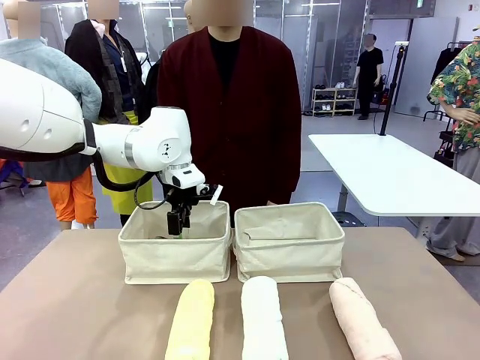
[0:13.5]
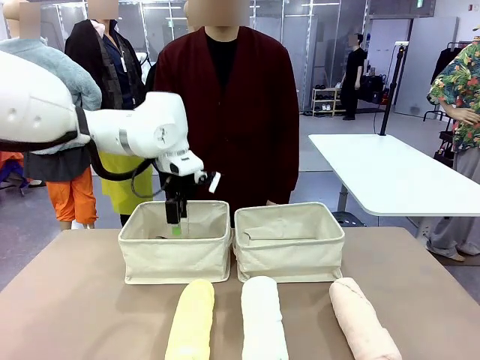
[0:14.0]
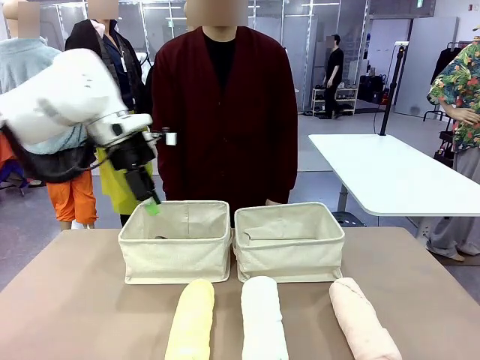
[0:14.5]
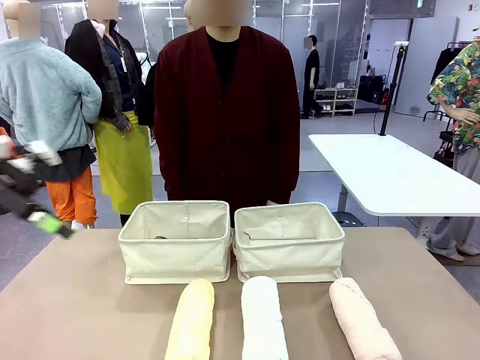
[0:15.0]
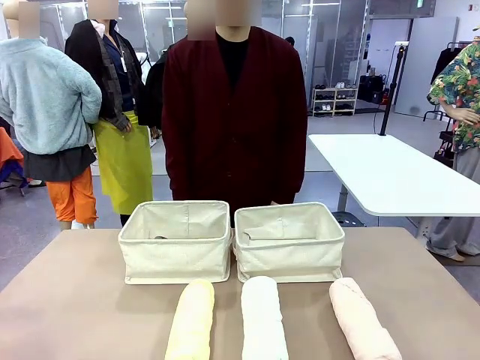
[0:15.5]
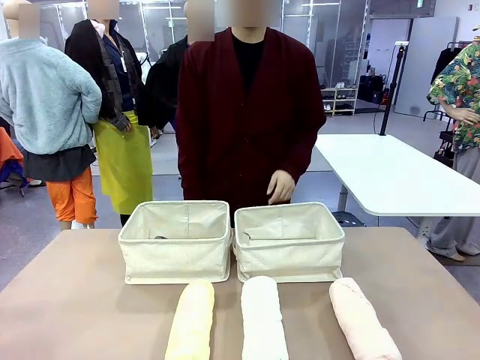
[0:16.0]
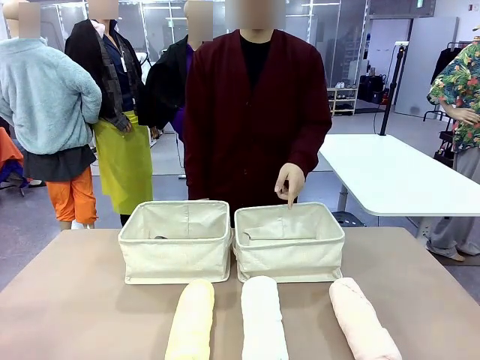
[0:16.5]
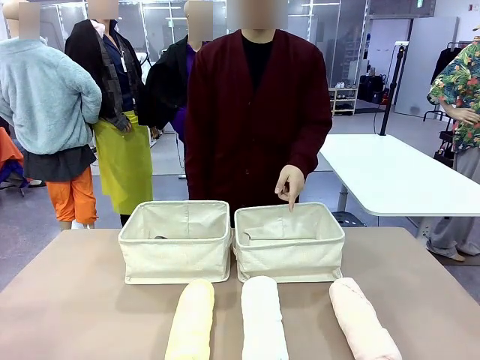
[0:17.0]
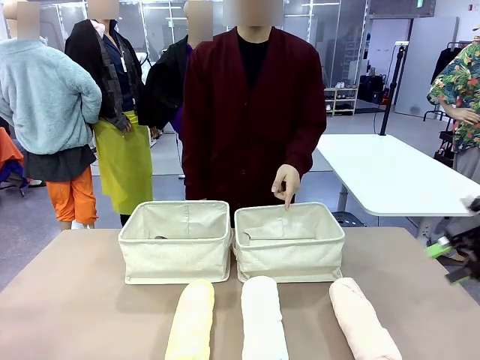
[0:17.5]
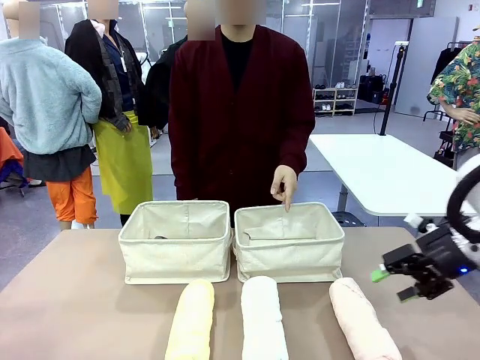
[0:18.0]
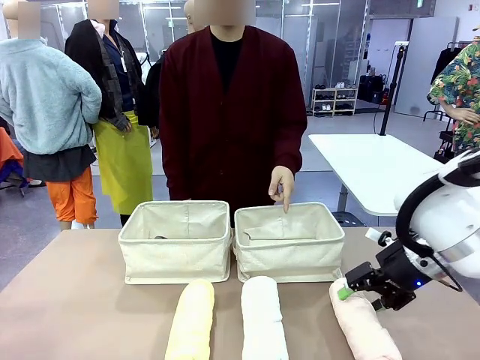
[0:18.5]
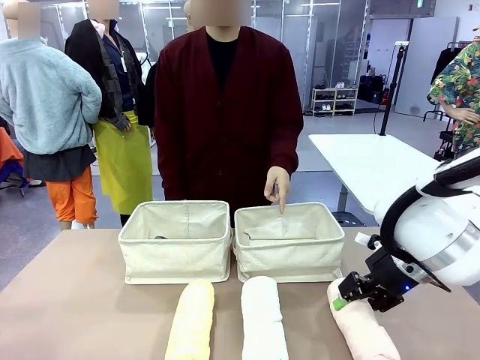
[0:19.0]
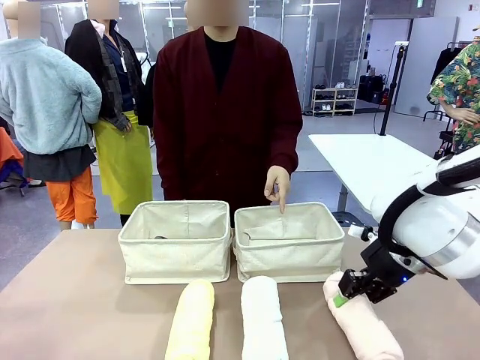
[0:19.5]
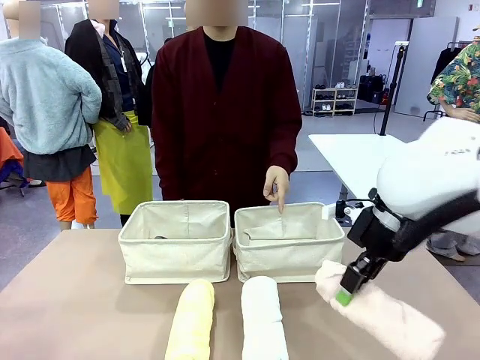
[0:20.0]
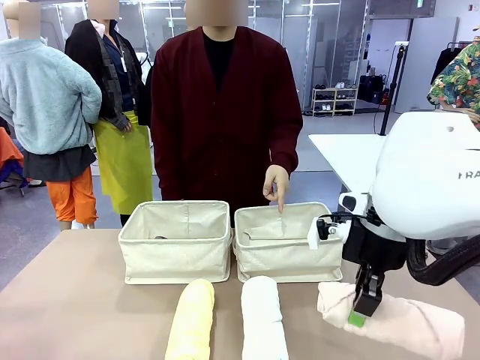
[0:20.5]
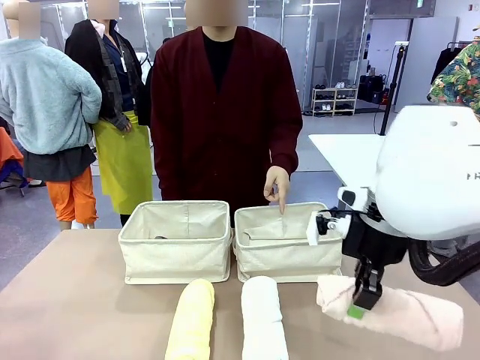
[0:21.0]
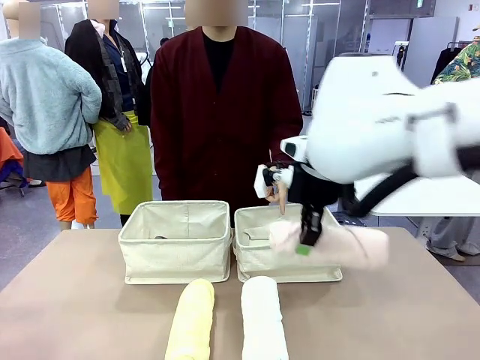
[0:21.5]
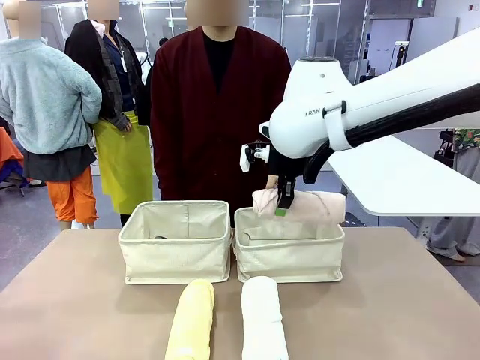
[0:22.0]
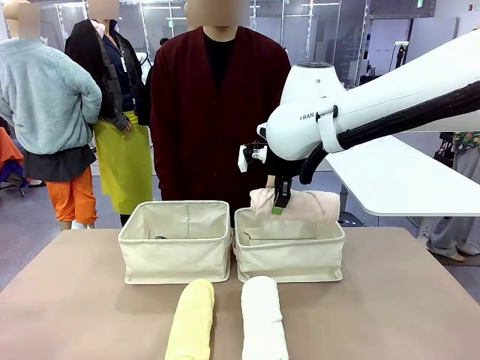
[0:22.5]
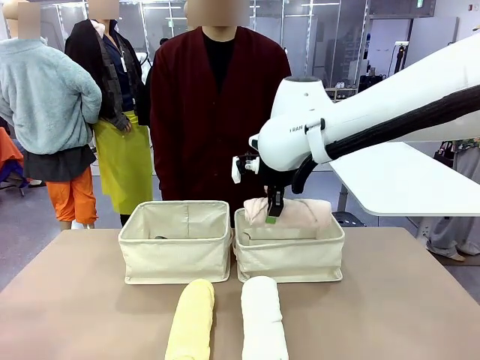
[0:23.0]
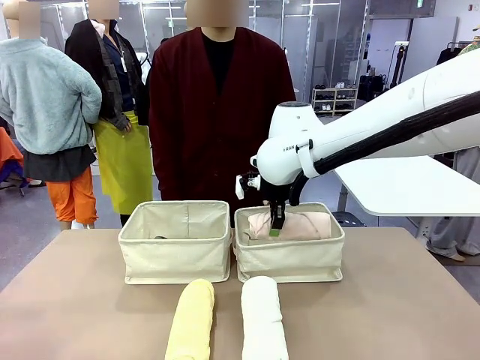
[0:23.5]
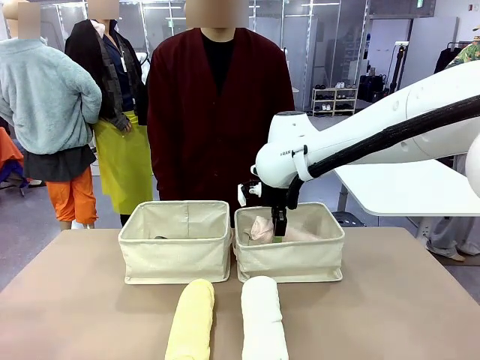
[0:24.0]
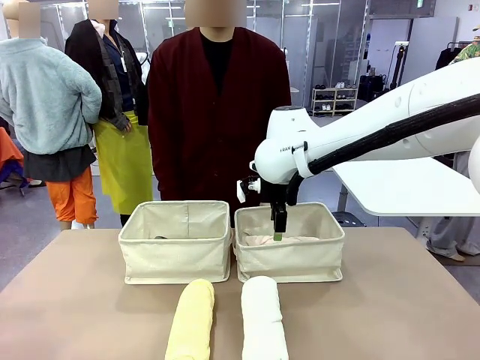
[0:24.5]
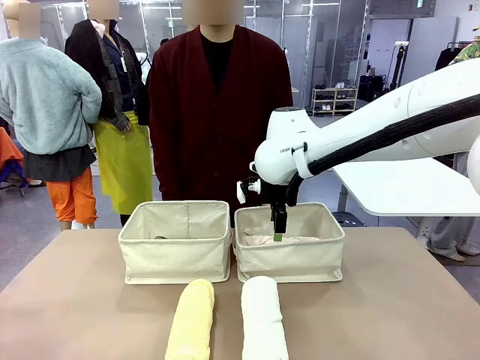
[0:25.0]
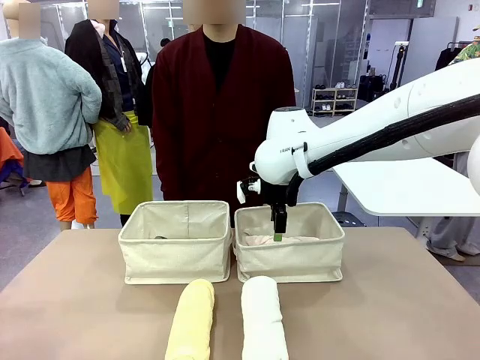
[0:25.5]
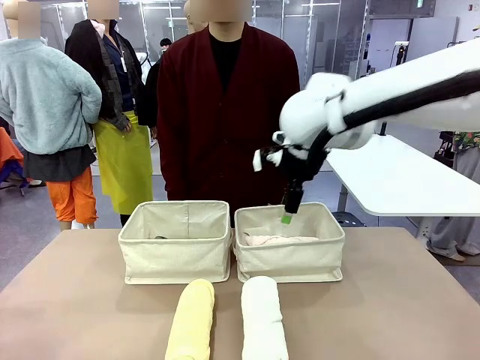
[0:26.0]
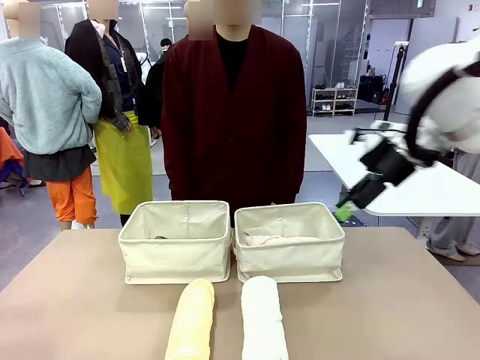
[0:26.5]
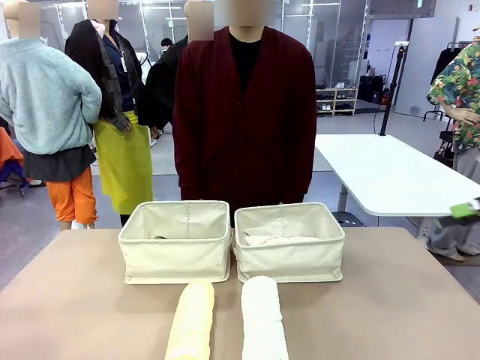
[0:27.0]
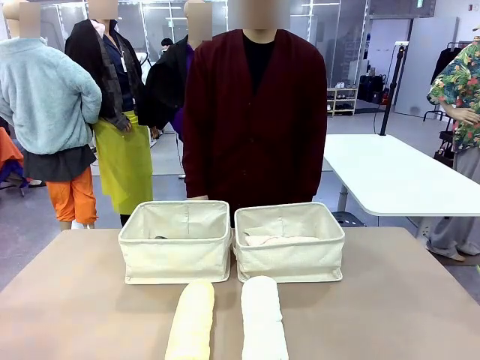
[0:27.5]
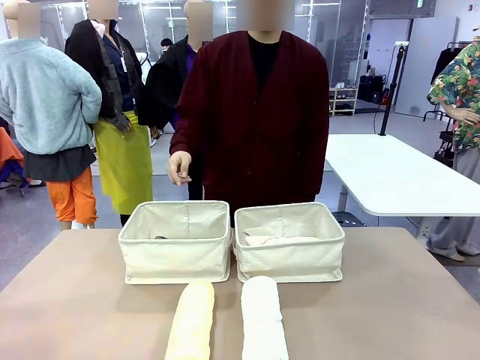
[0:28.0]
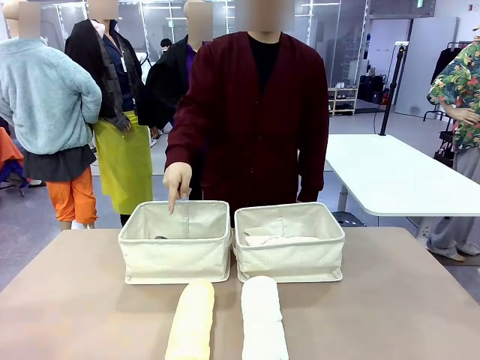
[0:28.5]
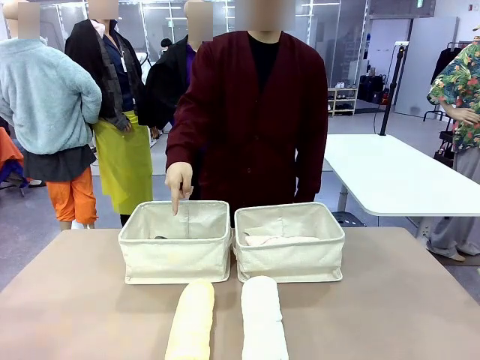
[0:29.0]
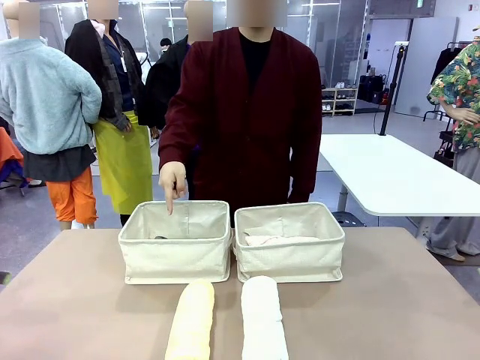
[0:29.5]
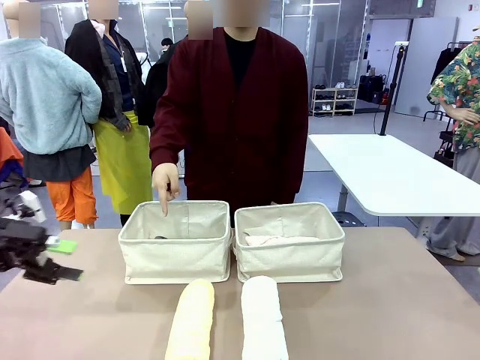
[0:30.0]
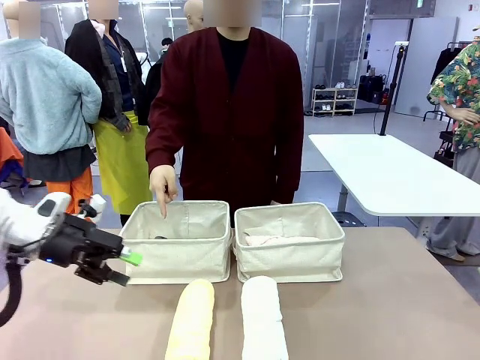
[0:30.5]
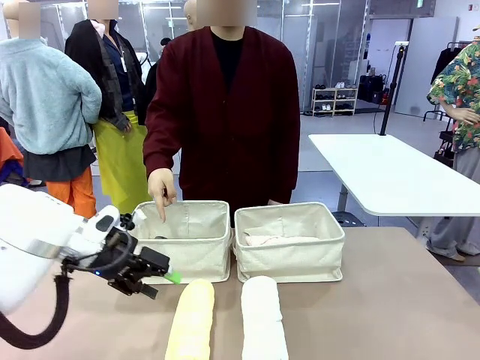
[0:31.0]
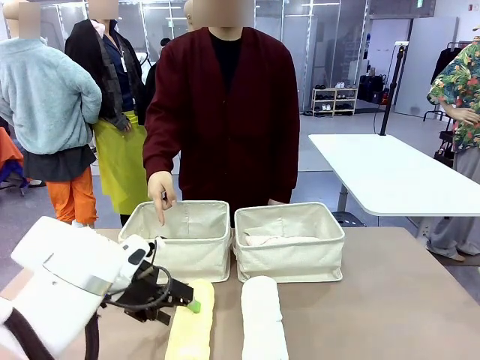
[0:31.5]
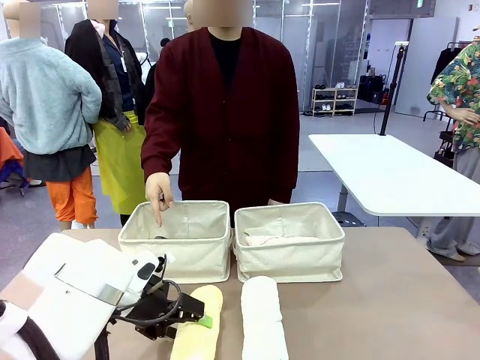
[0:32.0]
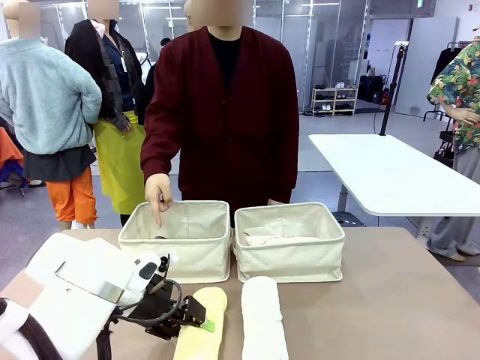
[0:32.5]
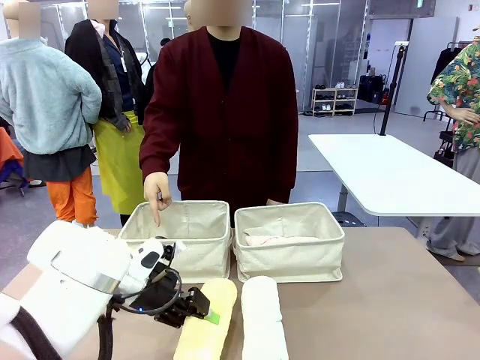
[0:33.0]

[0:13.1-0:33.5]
Task: Divide the towels into two baskets.
Robot: Pick up one hotel-folded towel from the bottom of the table and place it in the Fabric basket indicated by the person.

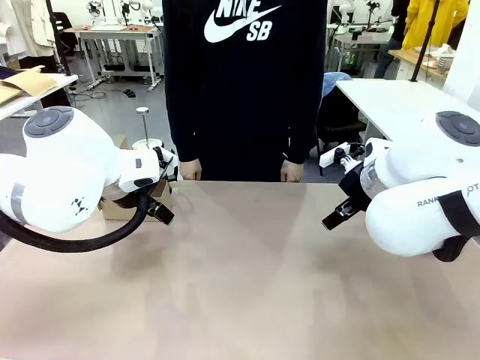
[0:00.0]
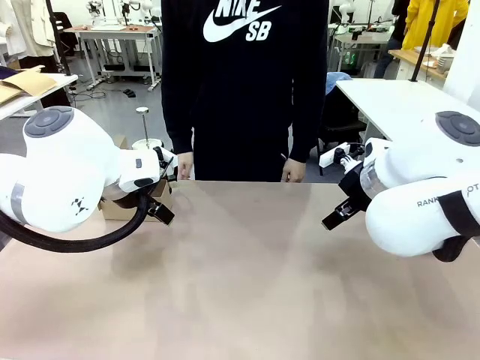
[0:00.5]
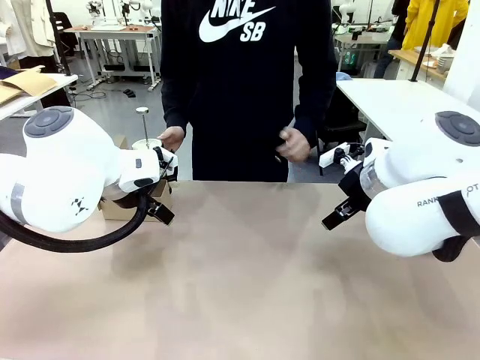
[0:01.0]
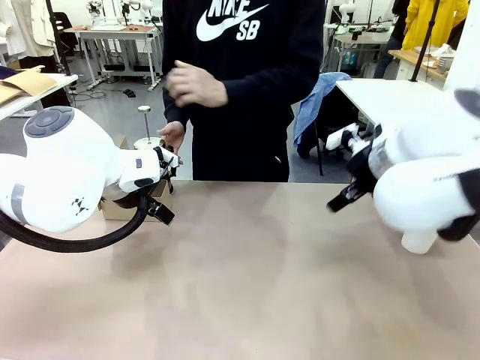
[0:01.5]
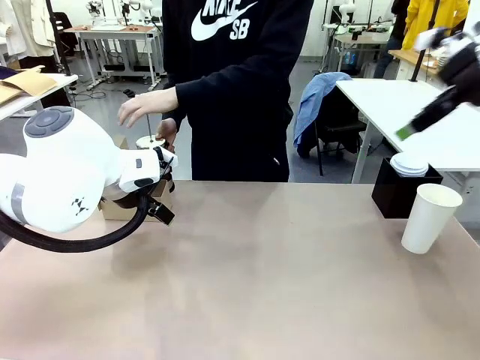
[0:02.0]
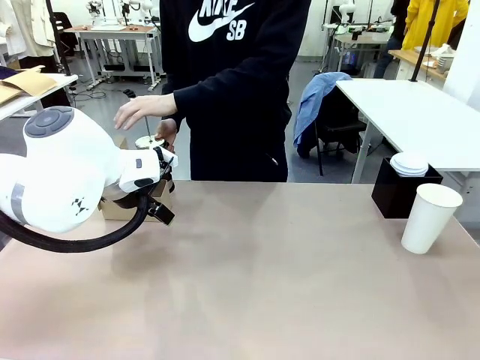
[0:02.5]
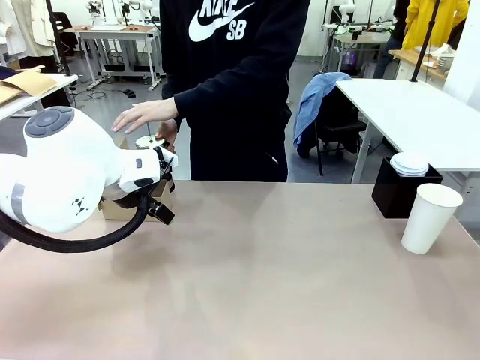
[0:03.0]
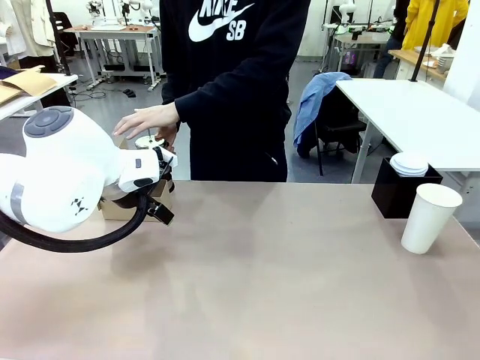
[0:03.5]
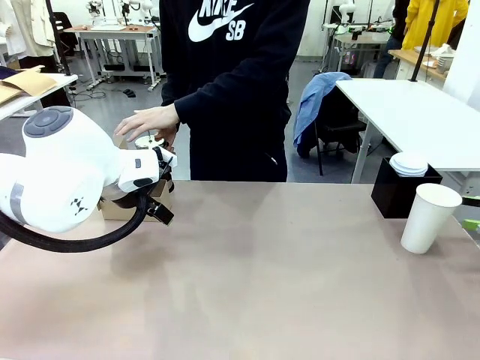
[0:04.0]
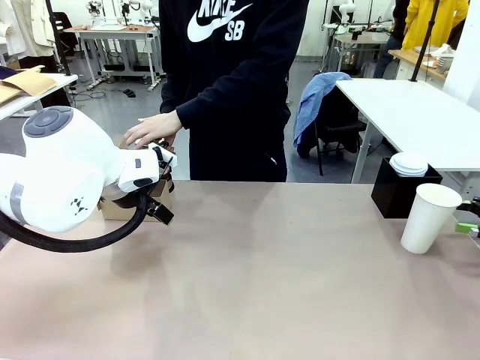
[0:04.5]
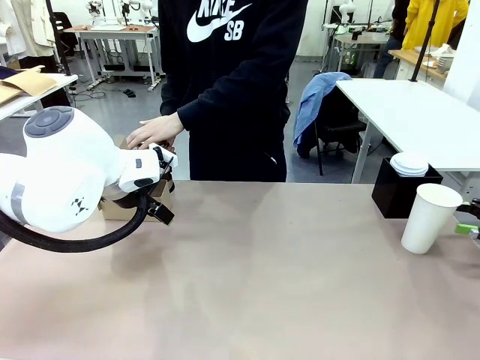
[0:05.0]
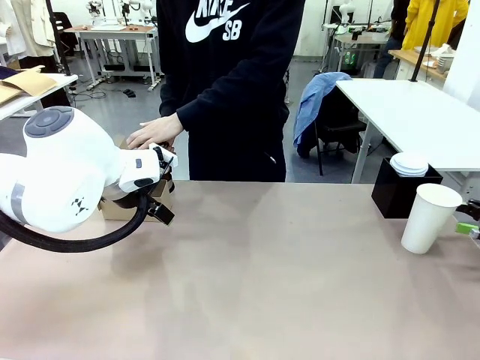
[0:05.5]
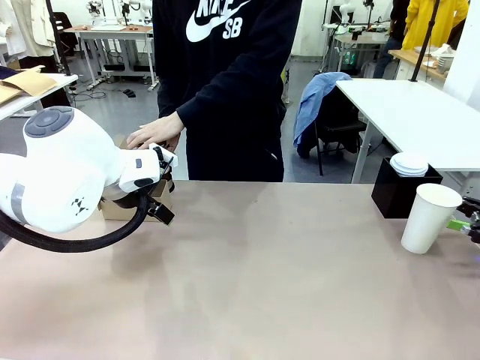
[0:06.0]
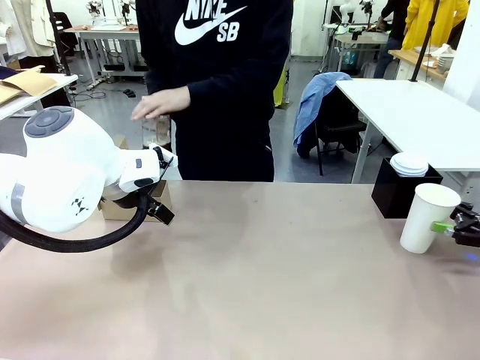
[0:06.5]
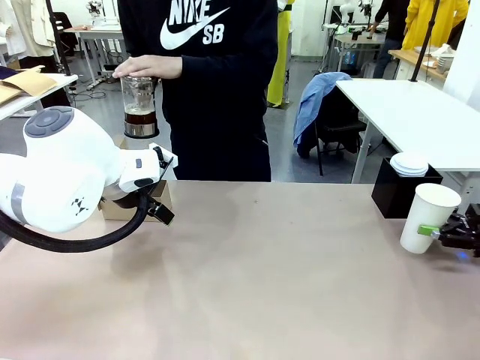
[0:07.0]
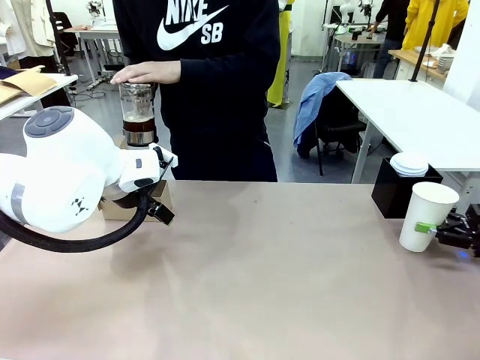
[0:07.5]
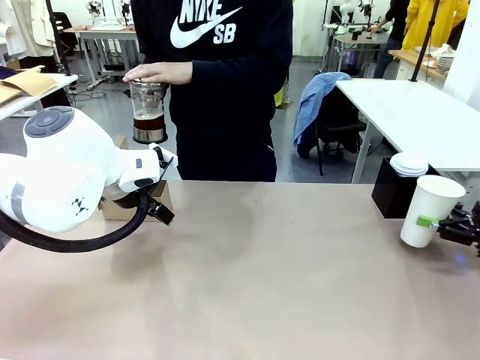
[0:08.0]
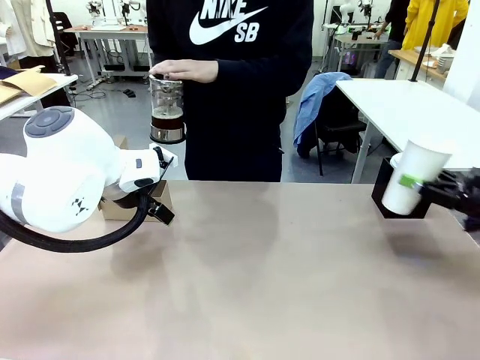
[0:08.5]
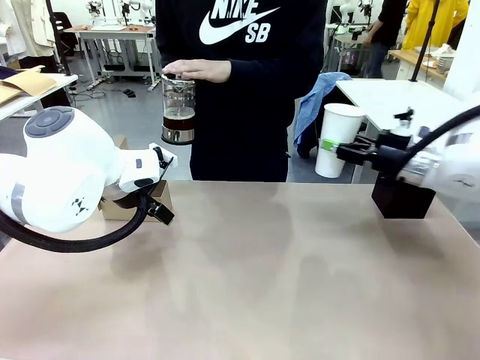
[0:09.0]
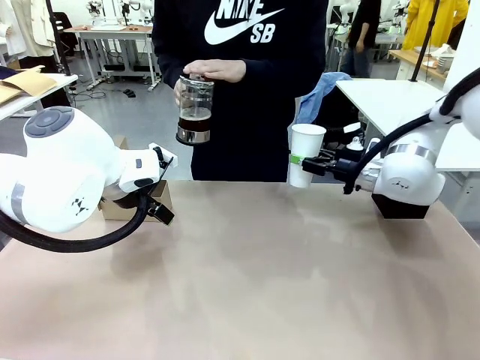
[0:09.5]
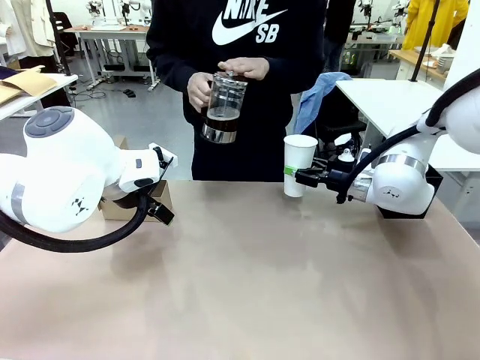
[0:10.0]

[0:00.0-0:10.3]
Task: Pour a drink into a cup and package it in a carrier.
Robot: Pick up the 600 ml Paper Cup and place it in the middle top area of the table.
Person: Press and pick up the Filter Brewing.
